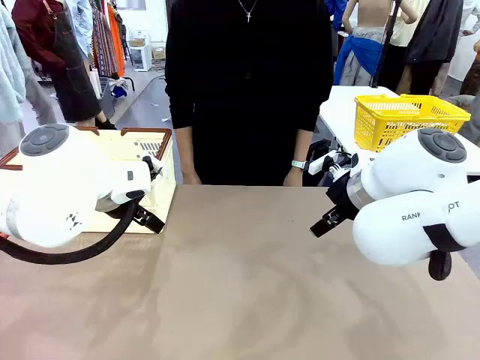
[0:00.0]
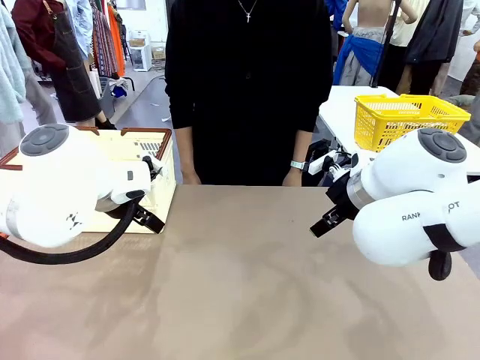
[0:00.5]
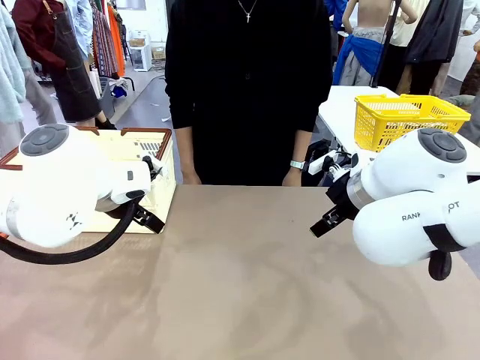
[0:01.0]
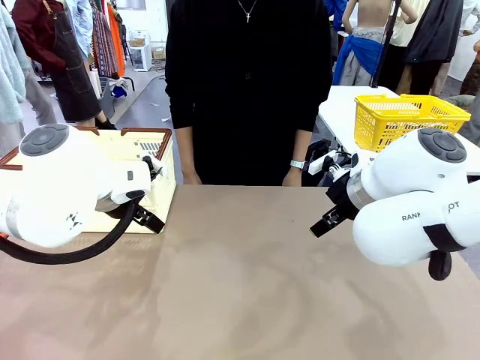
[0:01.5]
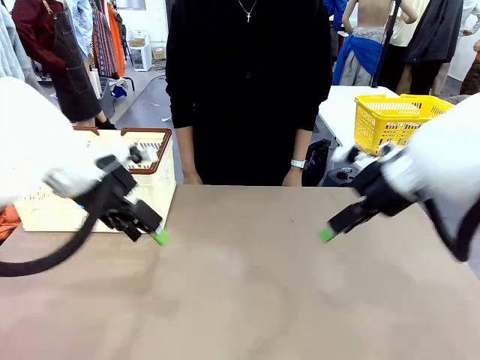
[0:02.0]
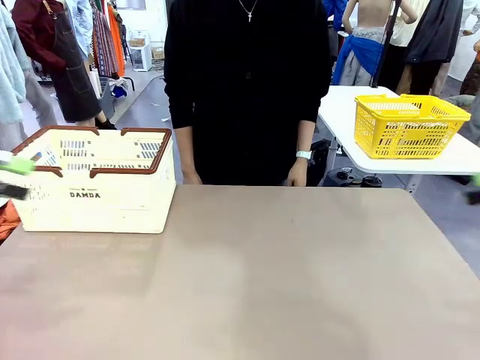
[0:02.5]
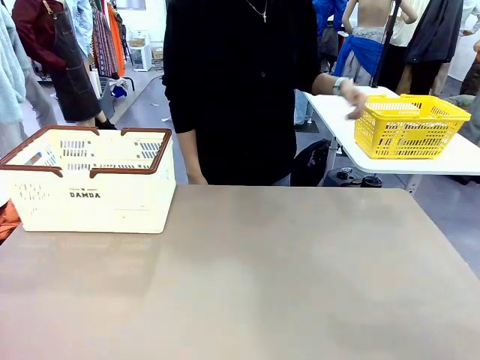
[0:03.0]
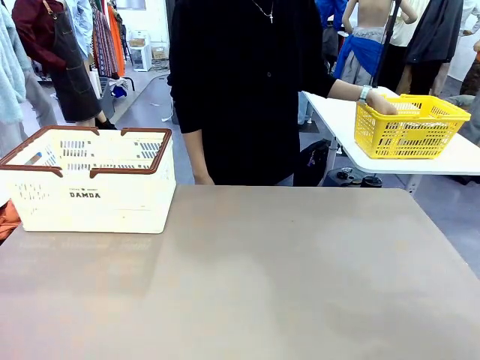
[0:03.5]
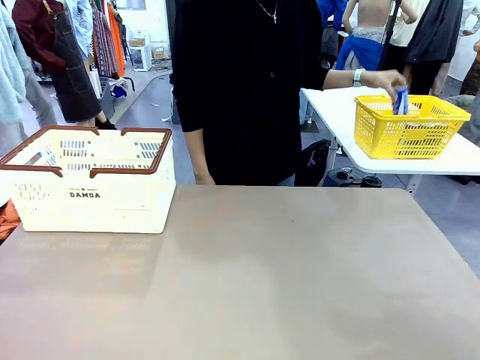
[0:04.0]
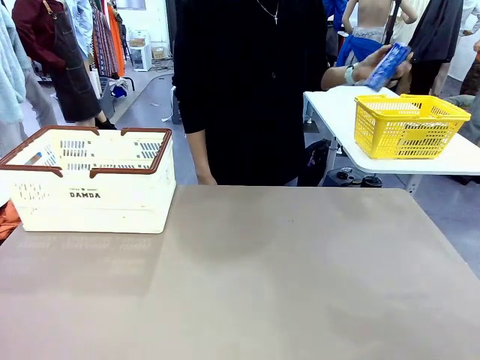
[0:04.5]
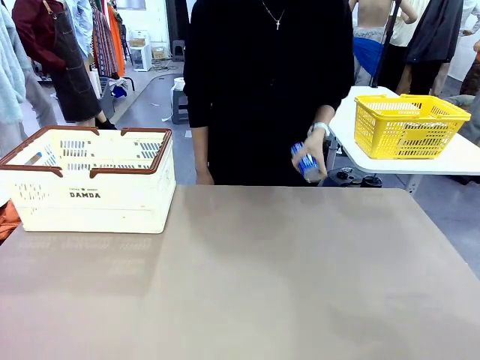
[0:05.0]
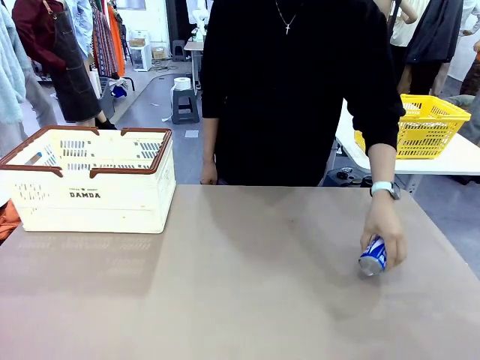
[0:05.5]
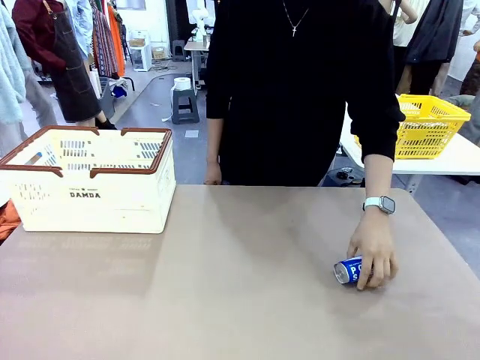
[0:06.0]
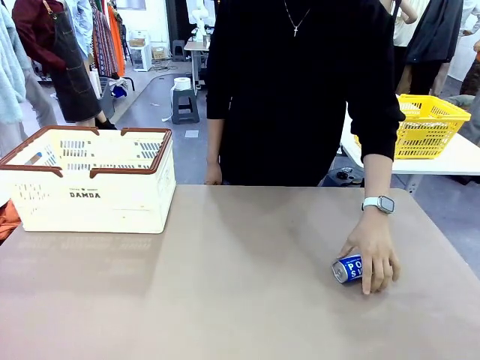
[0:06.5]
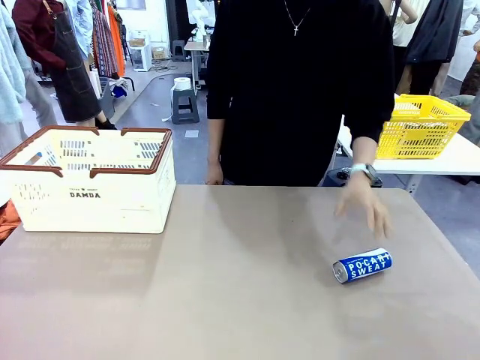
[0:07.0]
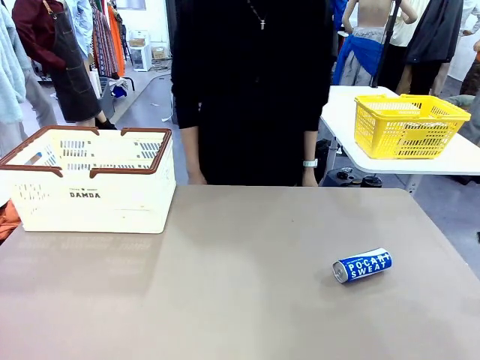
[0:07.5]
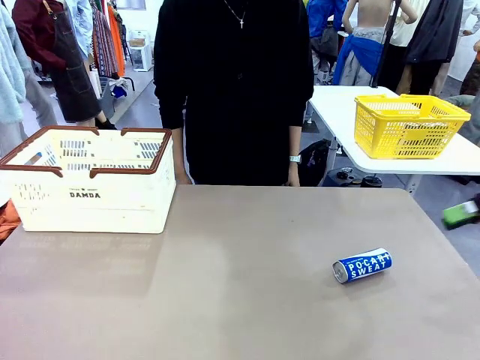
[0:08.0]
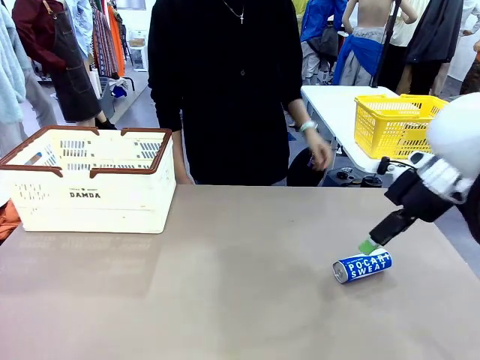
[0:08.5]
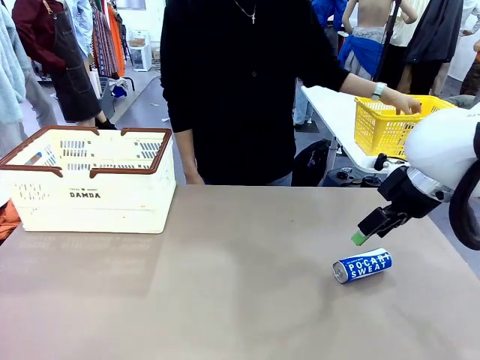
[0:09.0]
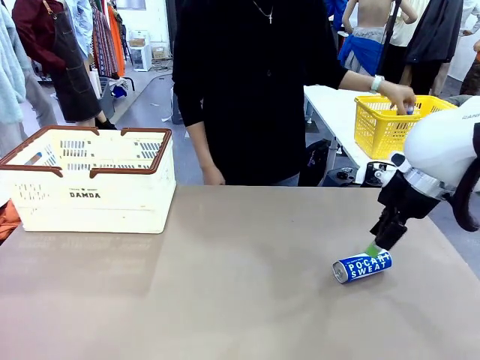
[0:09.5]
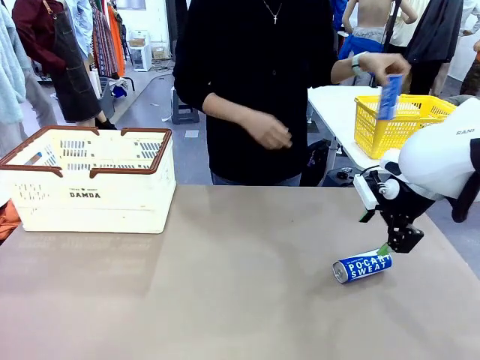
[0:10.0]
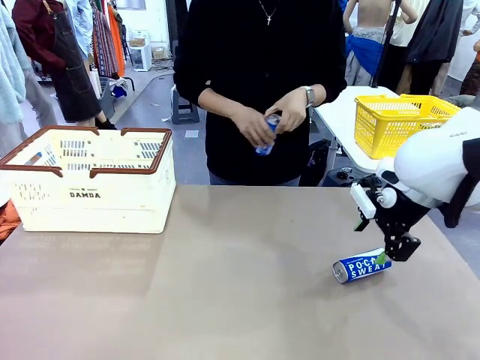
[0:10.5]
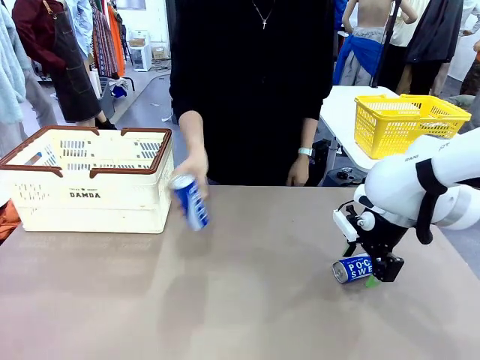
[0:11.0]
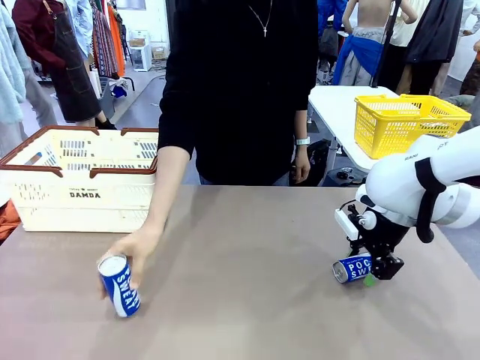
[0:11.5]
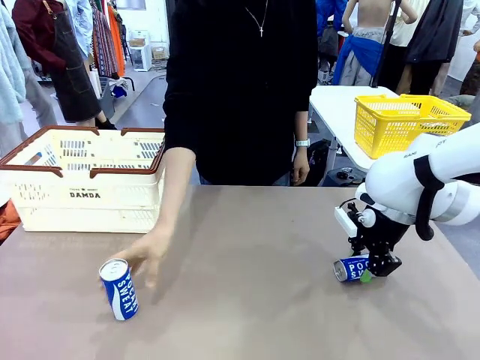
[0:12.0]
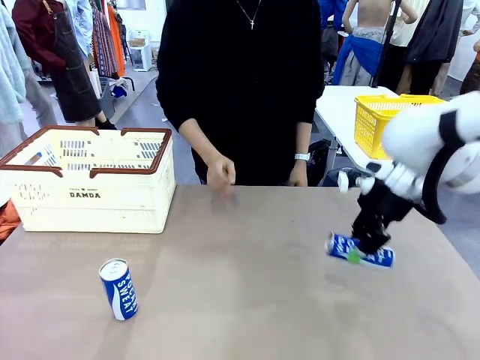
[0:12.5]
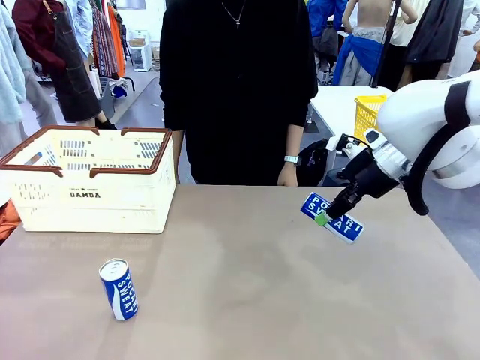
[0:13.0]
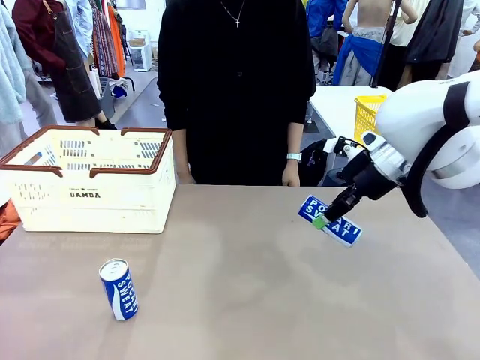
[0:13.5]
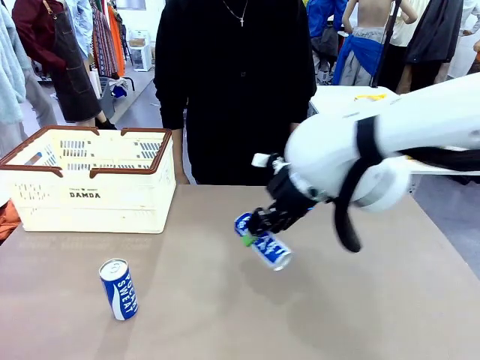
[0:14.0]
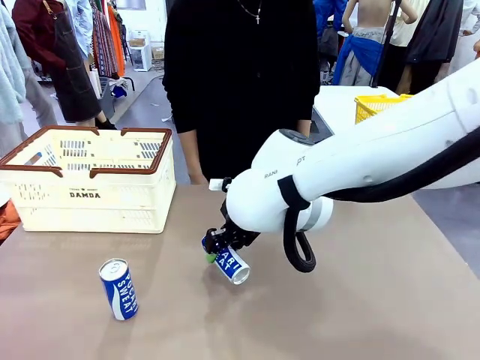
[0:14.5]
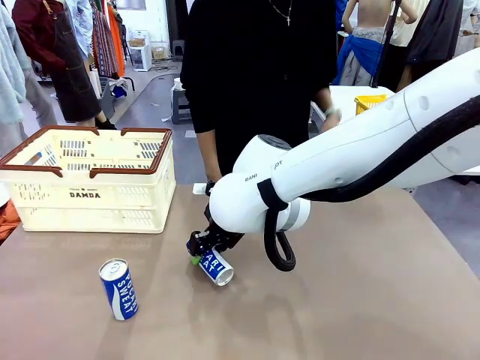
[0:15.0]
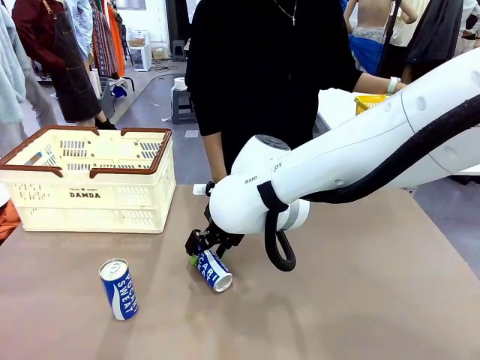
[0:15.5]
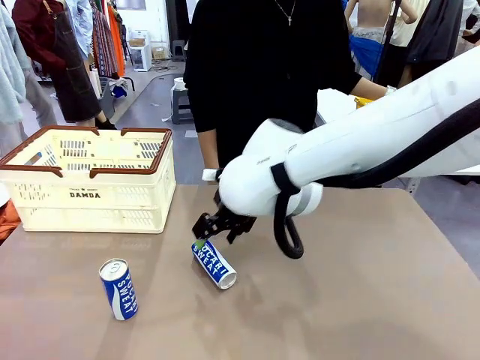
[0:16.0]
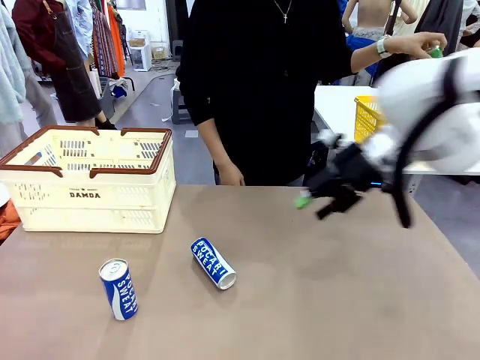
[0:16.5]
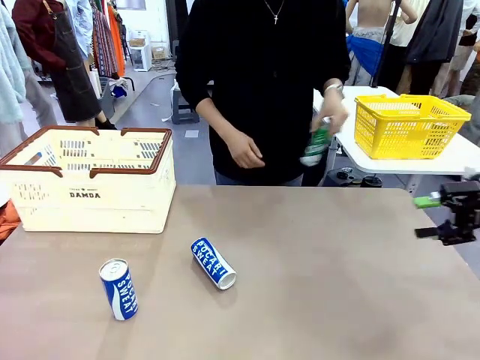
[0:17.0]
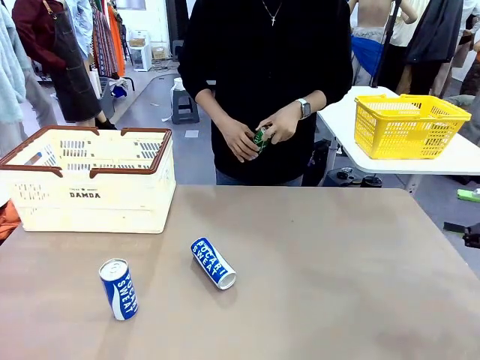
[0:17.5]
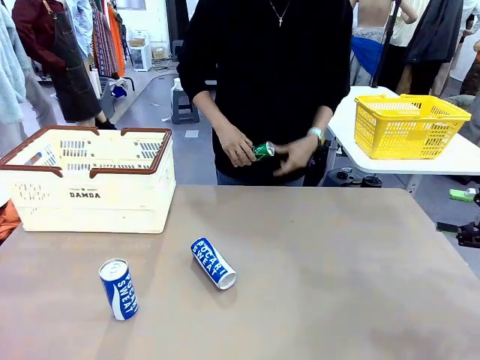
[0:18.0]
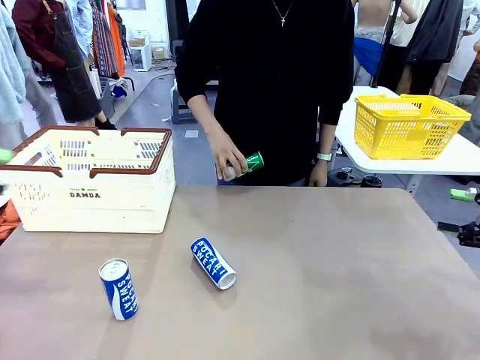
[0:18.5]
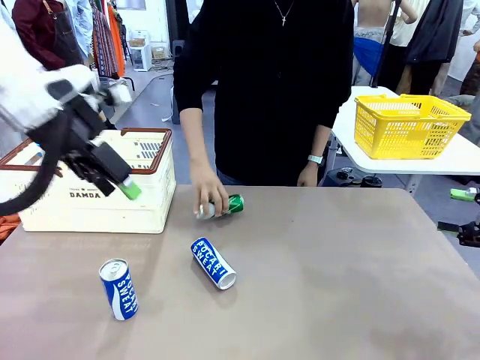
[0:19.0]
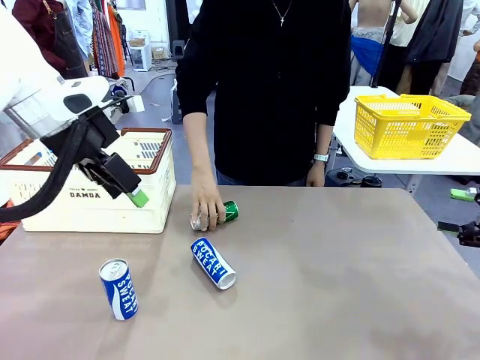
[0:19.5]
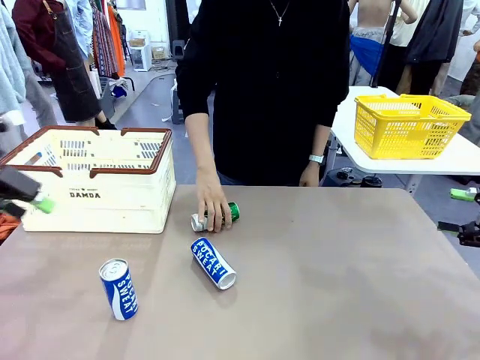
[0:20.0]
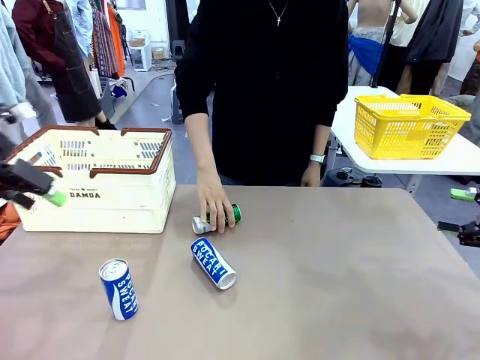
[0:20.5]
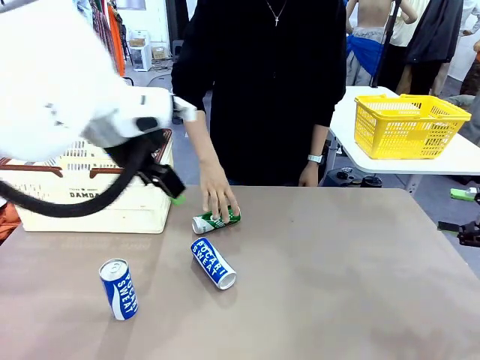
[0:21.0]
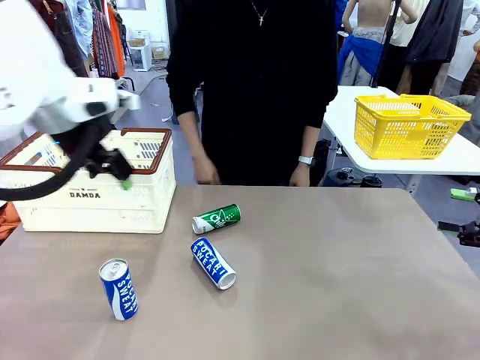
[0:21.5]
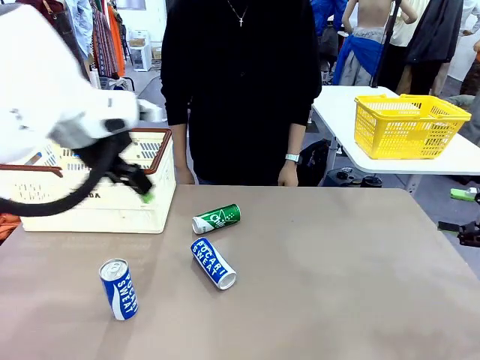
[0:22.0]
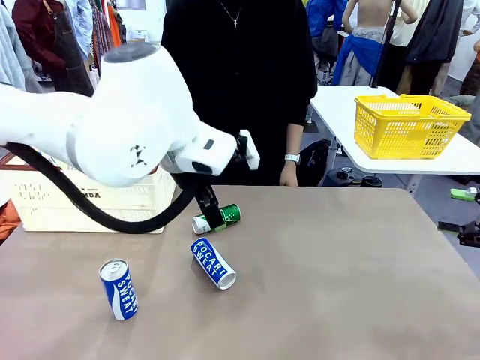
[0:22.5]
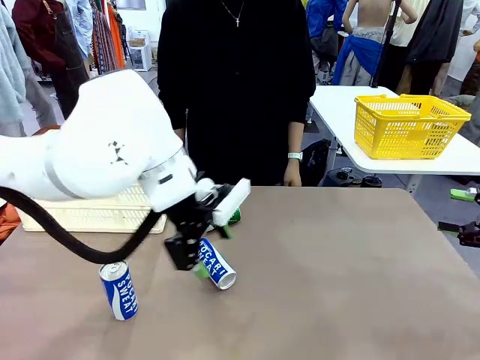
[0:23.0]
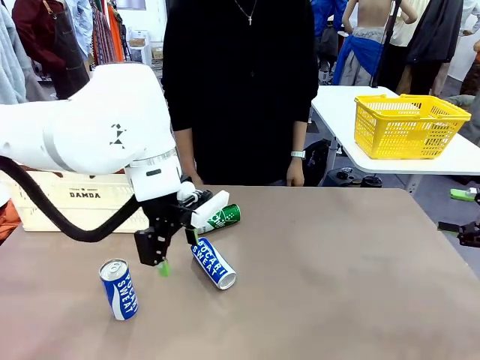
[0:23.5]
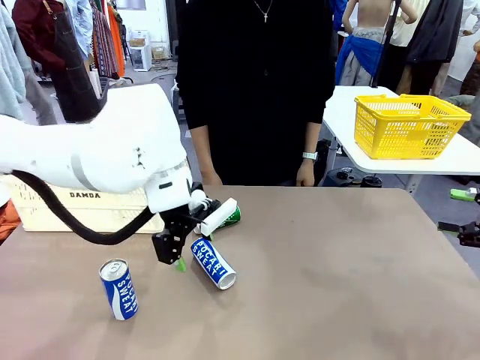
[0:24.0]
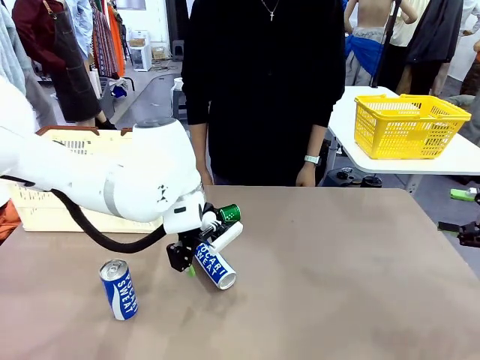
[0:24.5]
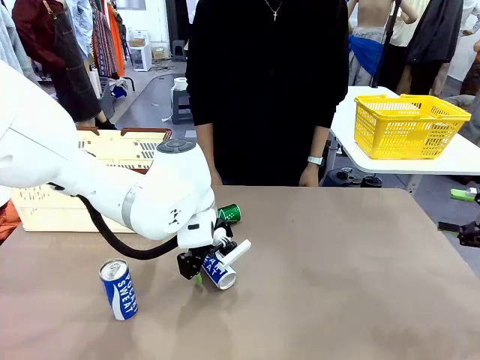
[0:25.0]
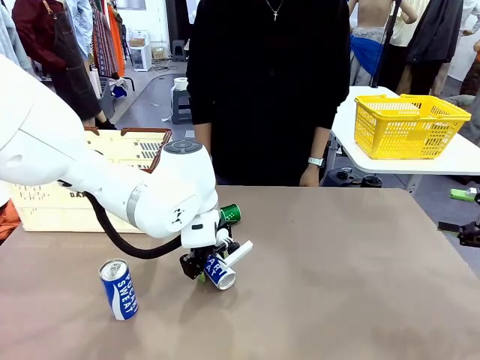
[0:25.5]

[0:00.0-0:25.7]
Task: Place the drinks into the Shopping basket.
Robot: Pick up one drink and place it into the Shopping basket.
